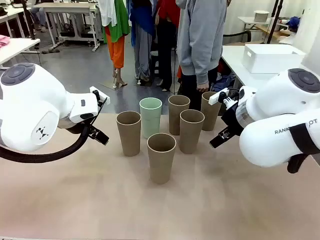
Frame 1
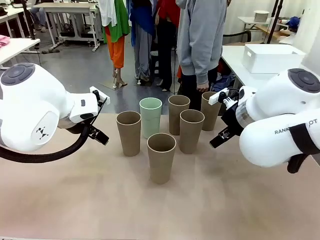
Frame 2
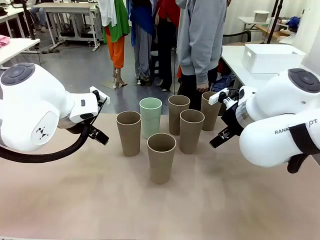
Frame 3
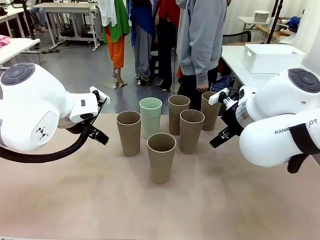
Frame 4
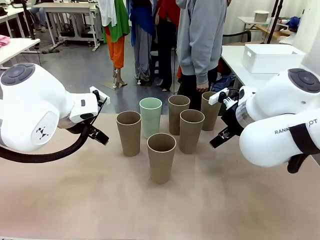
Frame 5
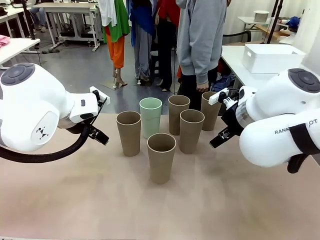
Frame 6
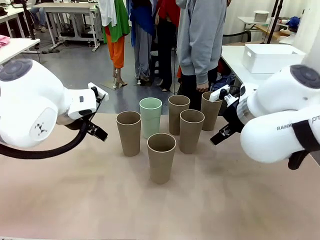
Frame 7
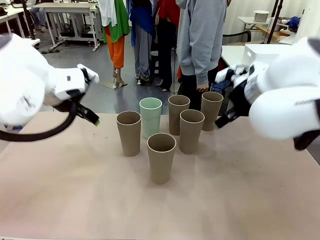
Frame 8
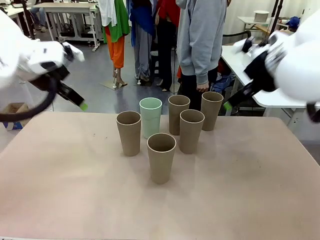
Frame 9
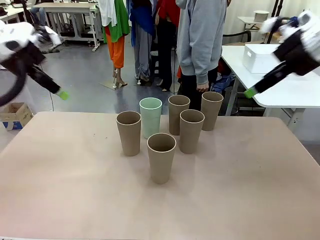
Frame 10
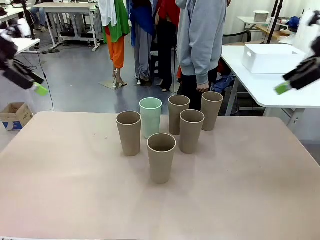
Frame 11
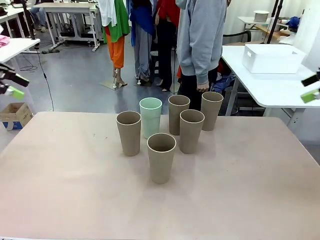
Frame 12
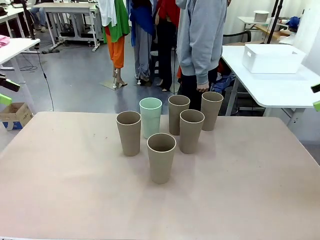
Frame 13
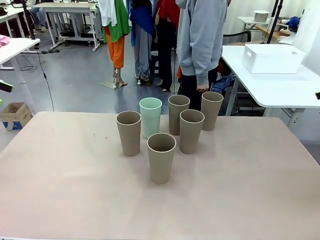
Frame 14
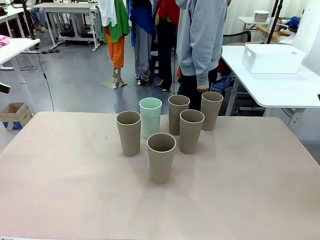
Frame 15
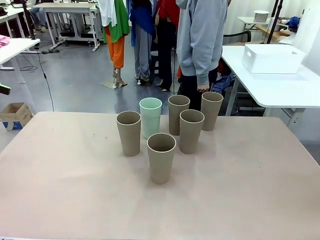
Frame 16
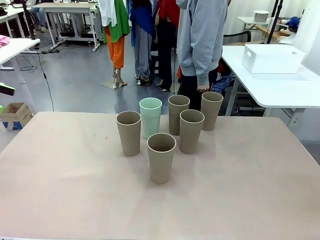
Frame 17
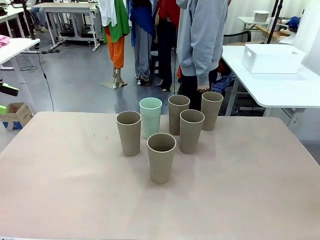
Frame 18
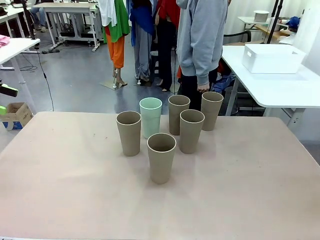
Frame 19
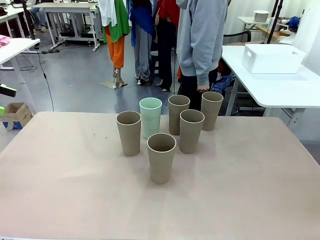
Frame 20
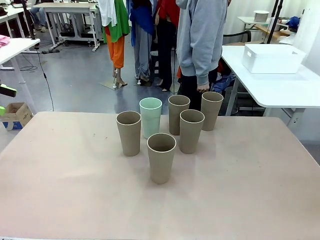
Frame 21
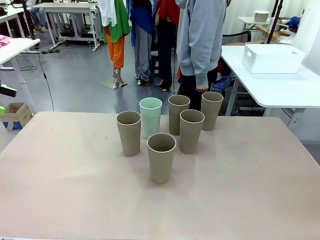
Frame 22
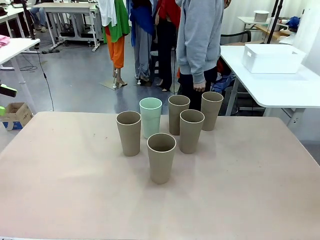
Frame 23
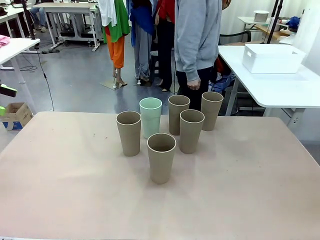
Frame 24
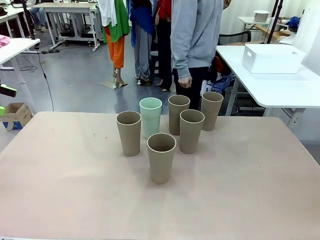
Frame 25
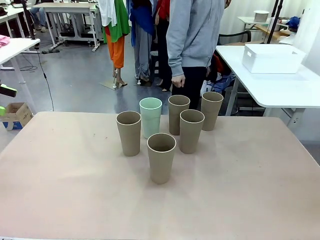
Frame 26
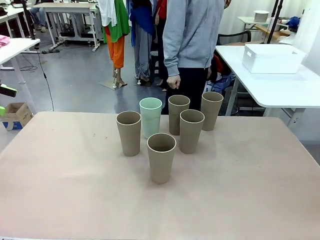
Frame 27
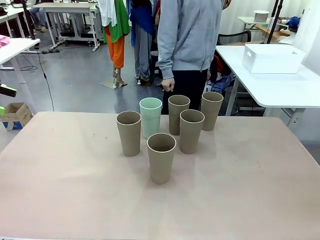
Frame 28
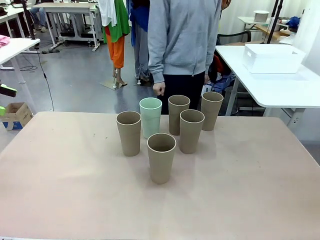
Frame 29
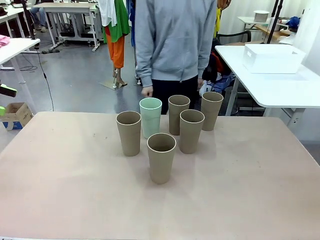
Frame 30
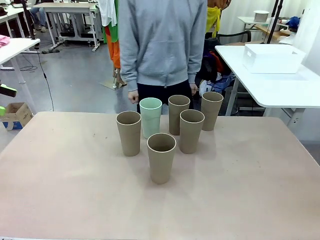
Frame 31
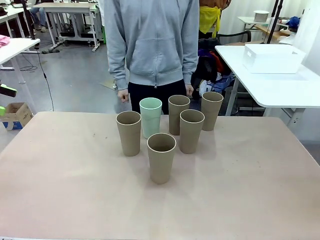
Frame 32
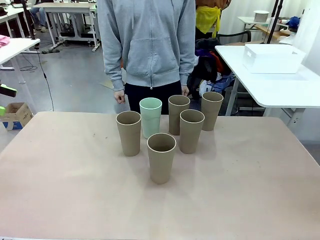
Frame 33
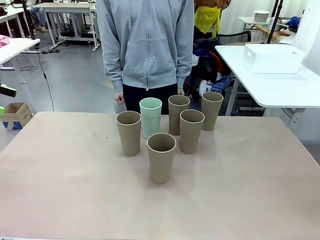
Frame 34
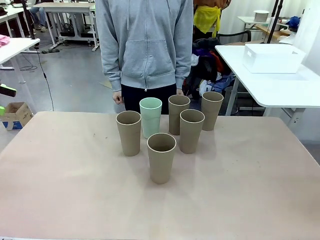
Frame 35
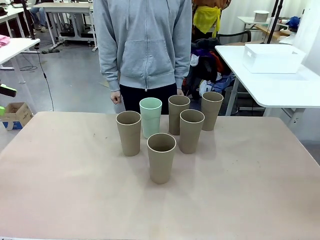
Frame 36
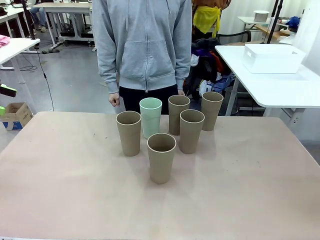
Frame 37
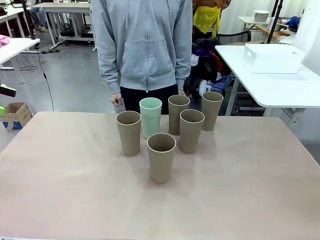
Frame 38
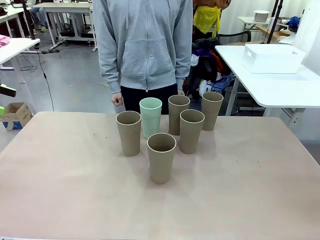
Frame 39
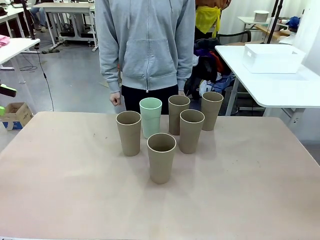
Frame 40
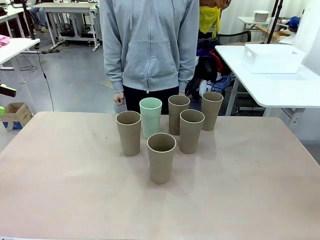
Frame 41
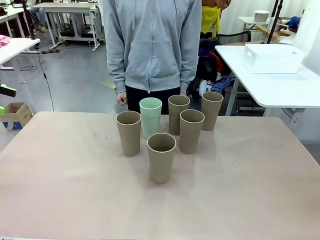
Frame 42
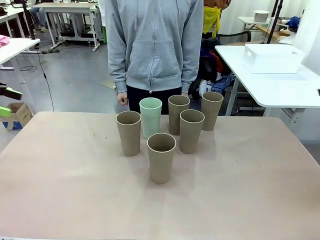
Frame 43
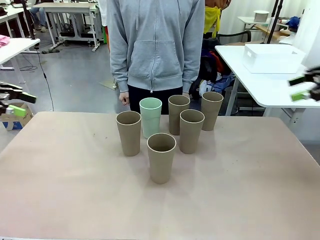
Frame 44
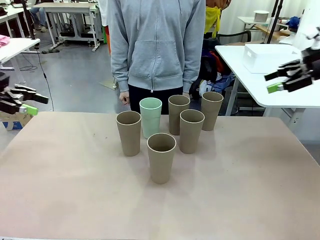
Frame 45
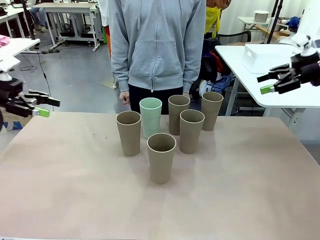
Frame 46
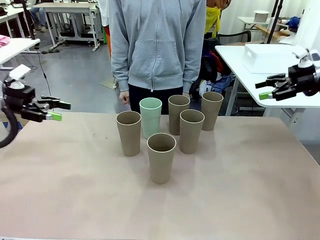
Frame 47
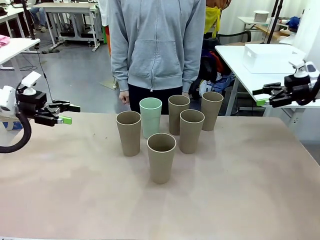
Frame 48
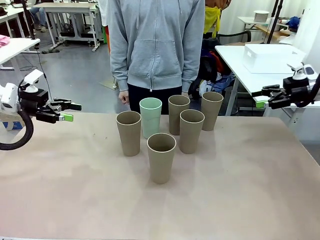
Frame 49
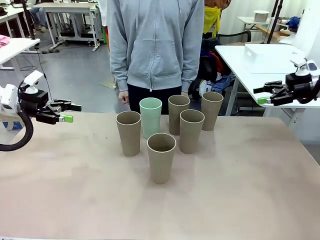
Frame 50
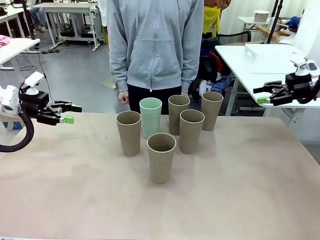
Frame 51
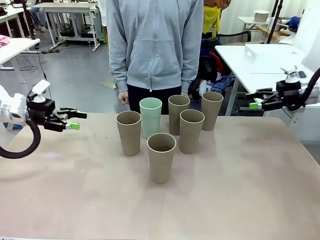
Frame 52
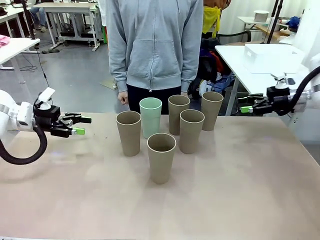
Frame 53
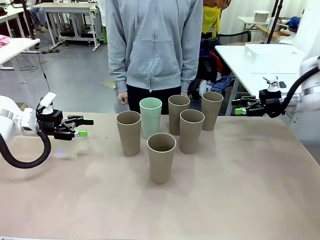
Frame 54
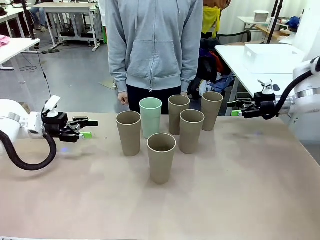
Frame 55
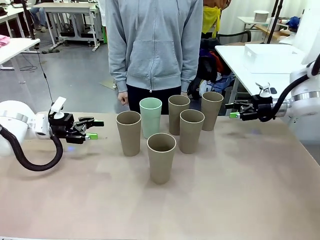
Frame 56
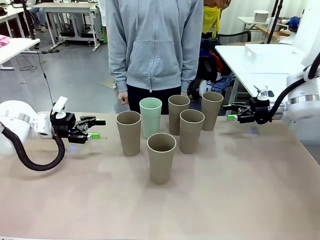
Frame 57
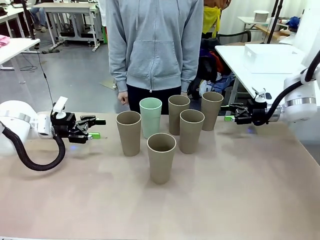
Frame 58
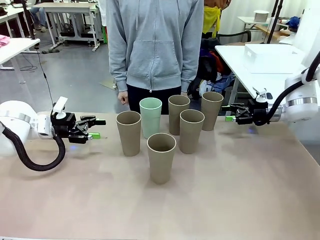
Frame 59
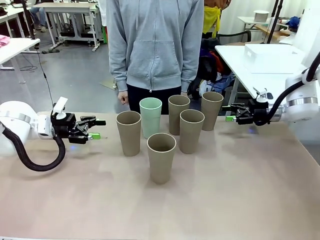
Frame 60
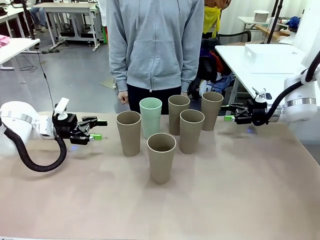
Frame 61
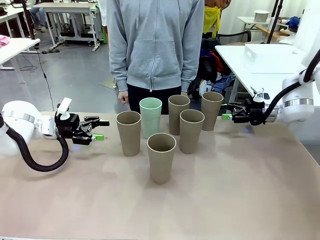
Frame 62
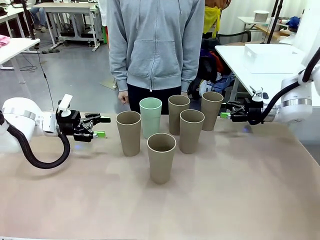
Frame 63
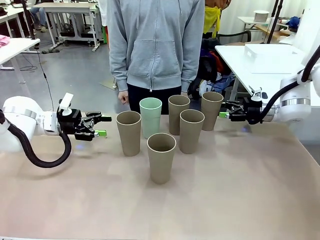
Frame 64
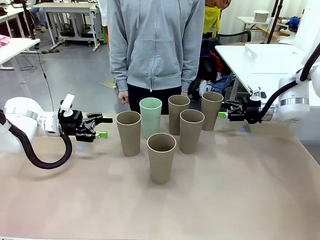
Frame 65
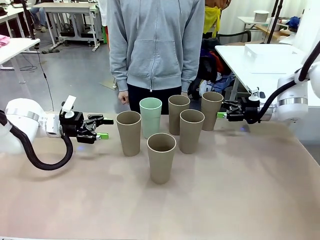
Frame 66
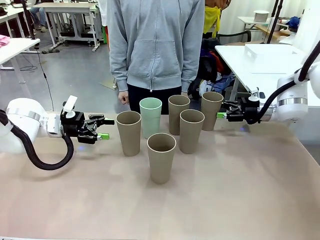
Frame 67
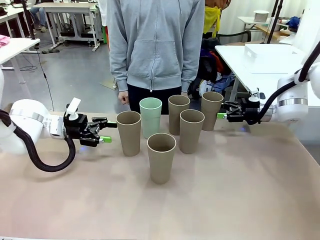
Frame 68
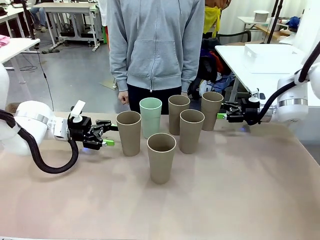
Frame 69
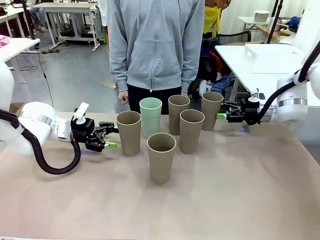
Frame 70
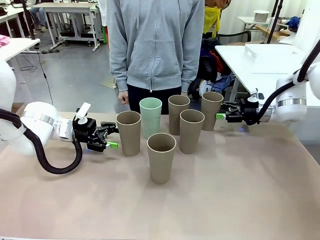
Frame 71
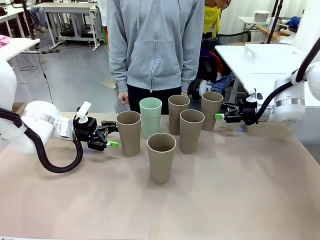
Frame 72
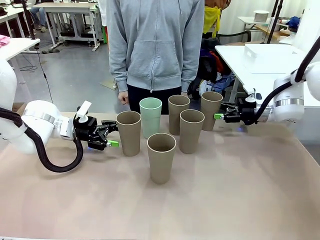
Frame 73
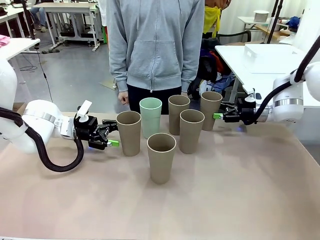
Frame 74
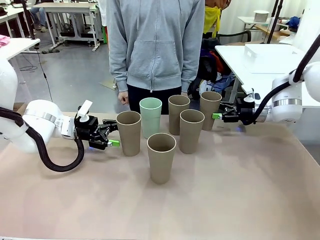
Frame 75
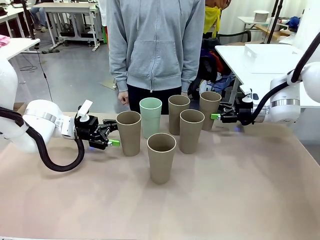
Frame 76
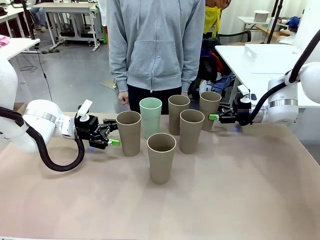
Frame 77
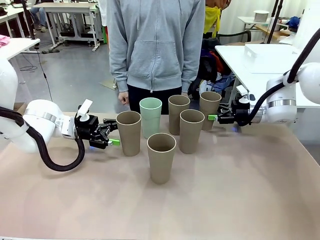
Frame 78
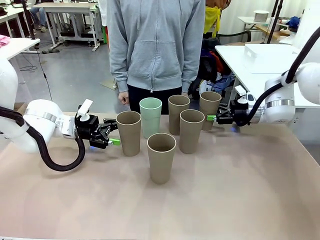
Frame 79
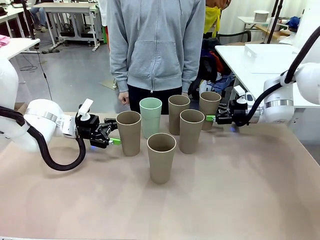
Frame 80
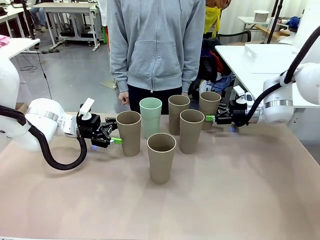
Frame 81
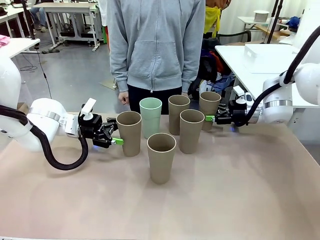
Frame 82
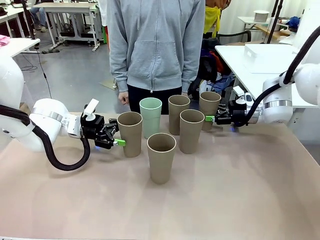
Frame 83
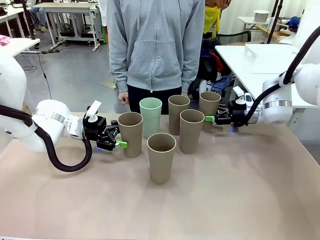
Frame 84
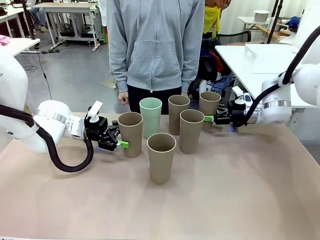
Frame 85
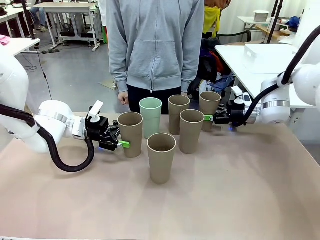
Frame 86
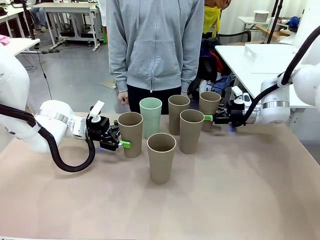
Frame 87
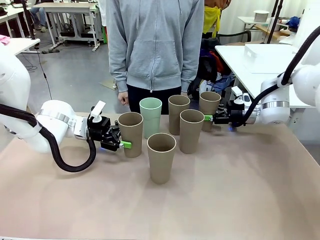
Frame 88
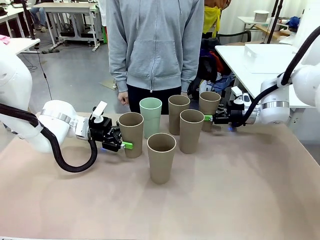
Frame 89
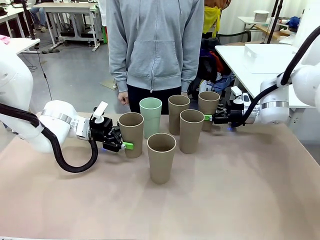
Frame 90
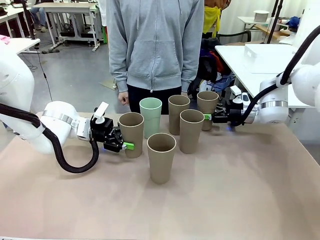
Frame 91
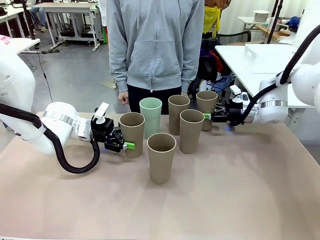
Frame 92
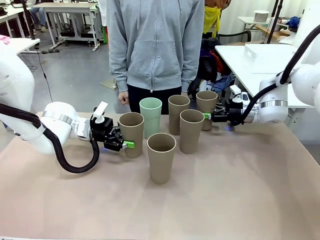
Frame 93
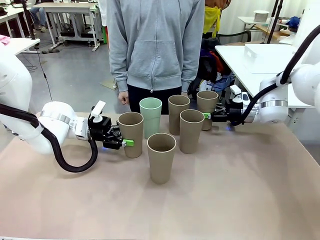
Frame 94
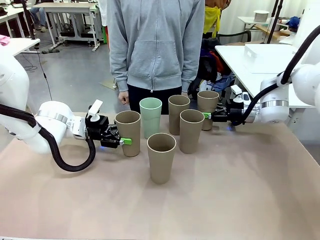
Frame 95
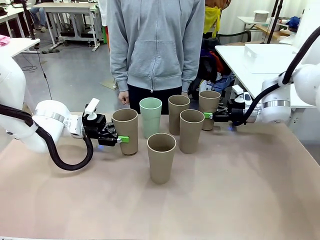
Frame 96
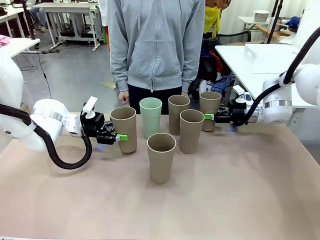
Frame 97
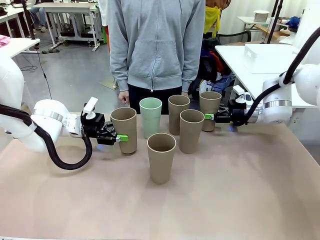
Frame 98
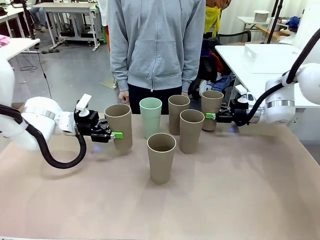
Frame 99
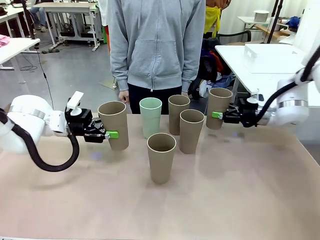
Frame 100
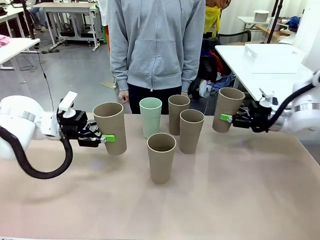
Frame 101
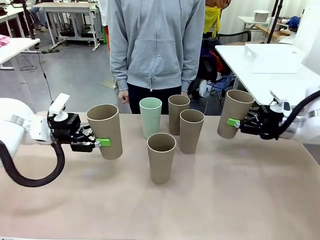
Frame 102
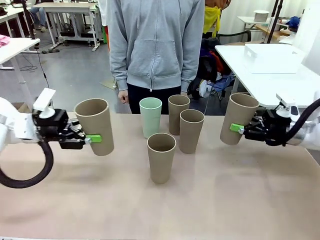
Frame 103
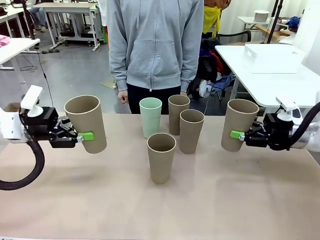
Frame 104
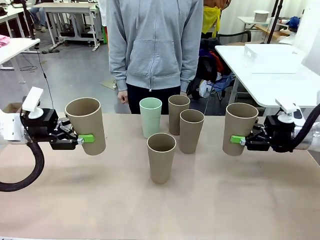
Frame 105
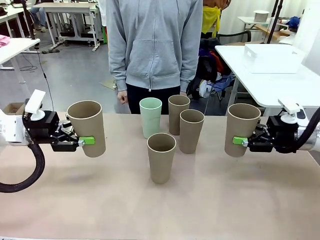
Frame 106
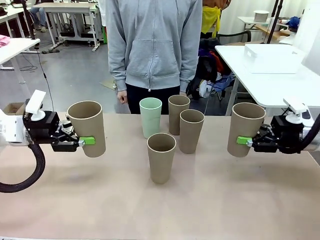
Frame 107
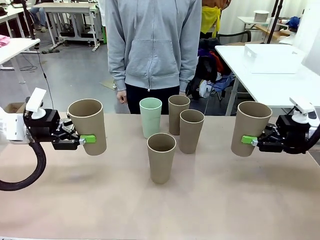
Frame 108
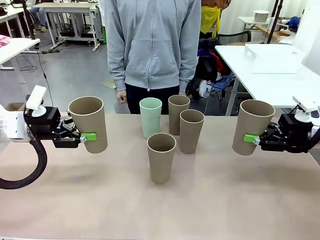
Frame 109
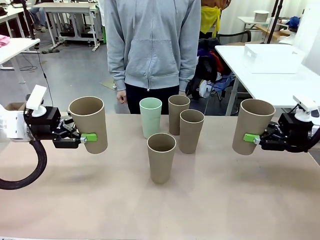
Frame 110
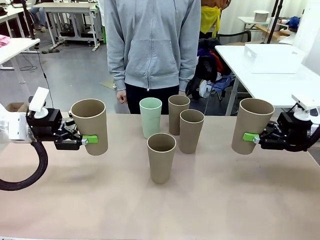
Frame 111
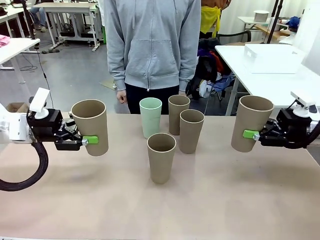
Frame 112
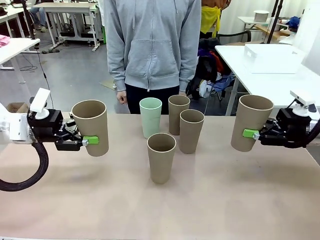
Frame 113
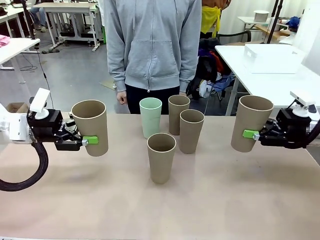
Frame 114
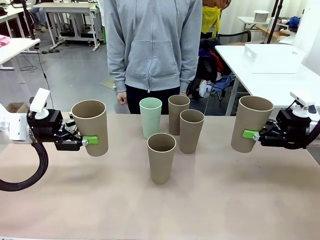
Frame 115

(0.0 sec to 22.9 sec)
Task: Stack the cups and store them in the basket.
Robot: Pick up two Reusable plastic cups , one in each hand.
Person: Move from the Human Table to the front of the Robot Table. Stack two of the remaining cups on top of each cup held by the robot.
